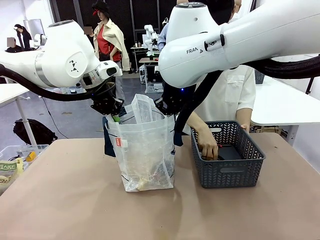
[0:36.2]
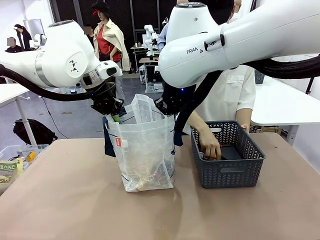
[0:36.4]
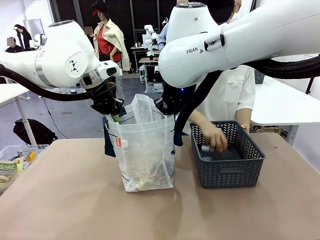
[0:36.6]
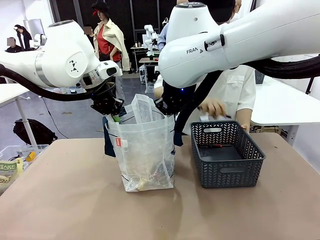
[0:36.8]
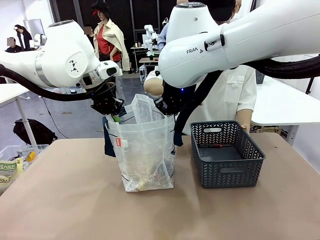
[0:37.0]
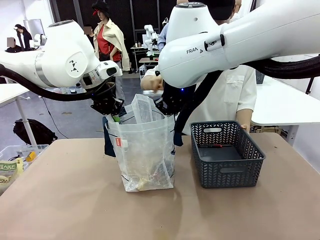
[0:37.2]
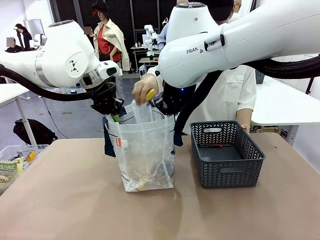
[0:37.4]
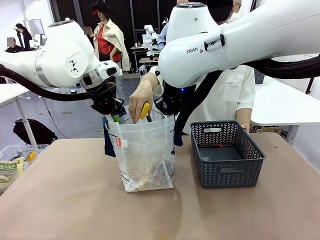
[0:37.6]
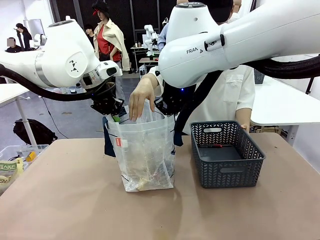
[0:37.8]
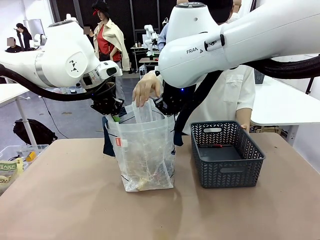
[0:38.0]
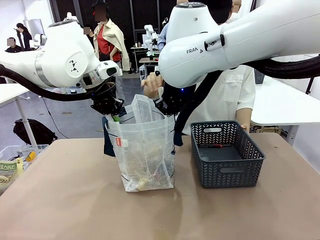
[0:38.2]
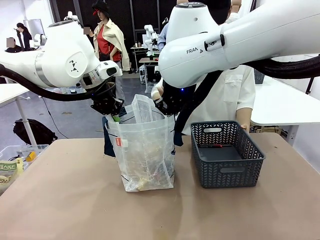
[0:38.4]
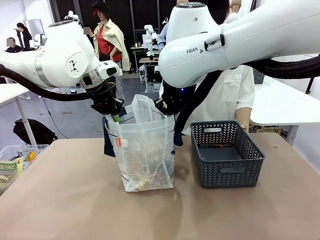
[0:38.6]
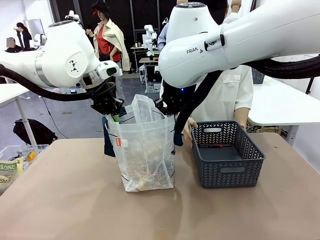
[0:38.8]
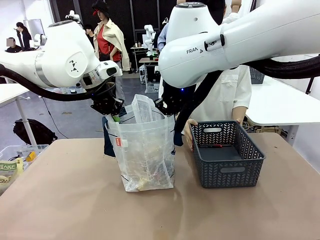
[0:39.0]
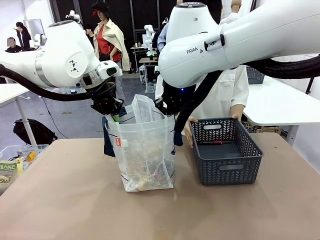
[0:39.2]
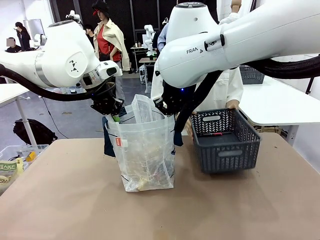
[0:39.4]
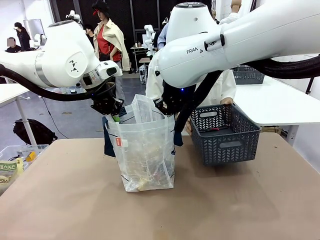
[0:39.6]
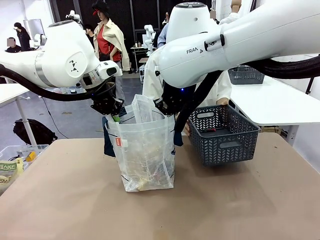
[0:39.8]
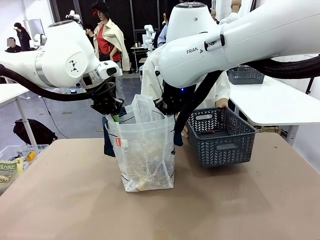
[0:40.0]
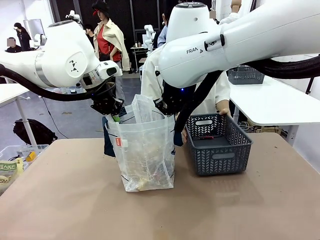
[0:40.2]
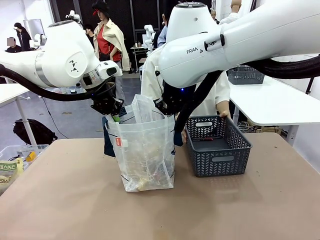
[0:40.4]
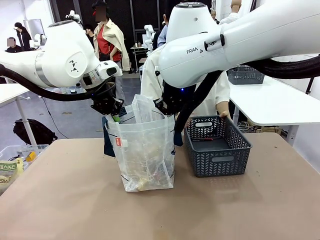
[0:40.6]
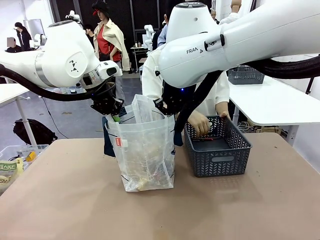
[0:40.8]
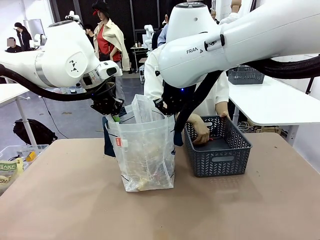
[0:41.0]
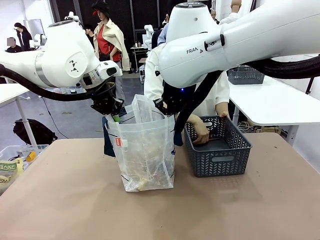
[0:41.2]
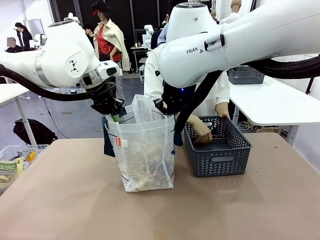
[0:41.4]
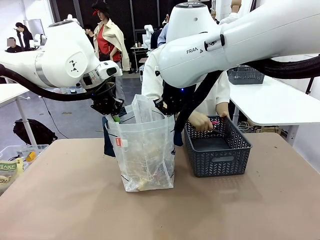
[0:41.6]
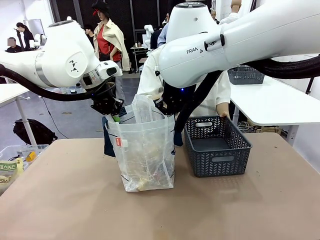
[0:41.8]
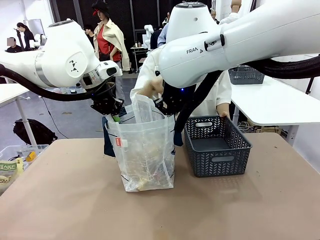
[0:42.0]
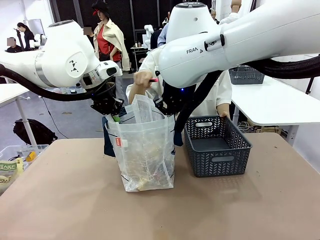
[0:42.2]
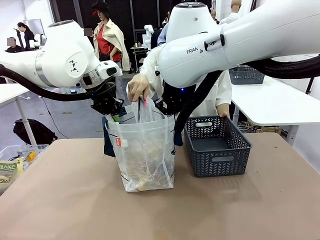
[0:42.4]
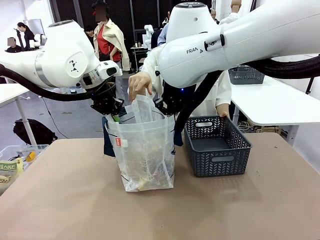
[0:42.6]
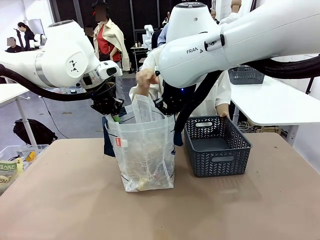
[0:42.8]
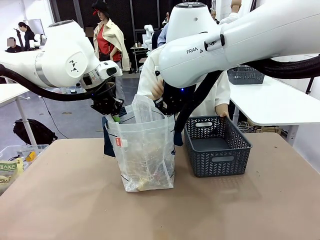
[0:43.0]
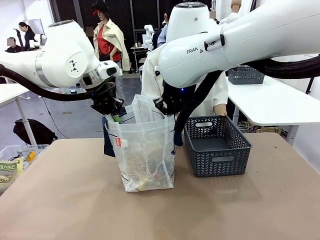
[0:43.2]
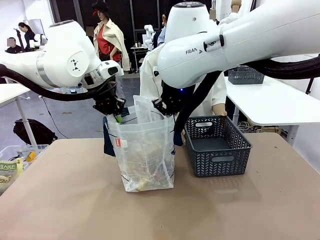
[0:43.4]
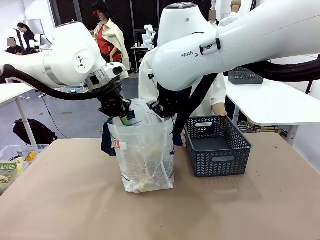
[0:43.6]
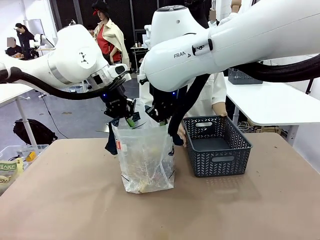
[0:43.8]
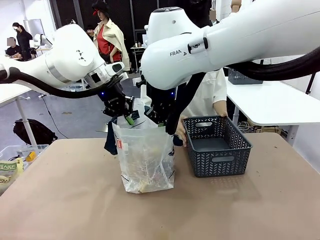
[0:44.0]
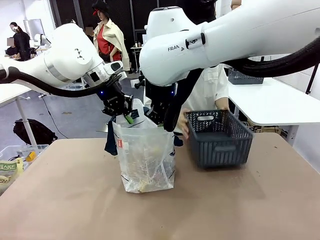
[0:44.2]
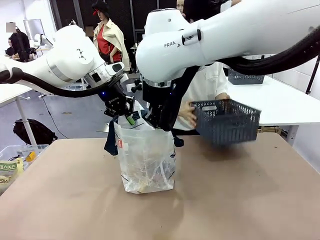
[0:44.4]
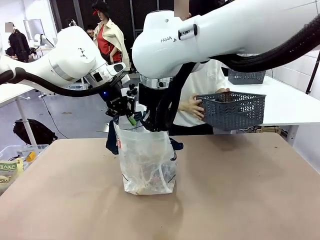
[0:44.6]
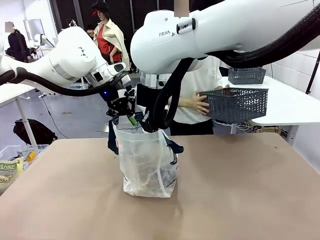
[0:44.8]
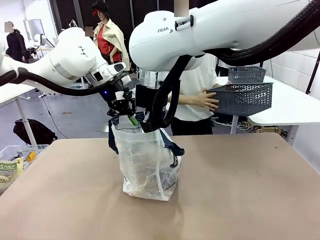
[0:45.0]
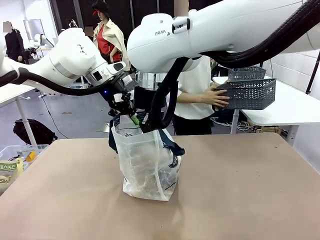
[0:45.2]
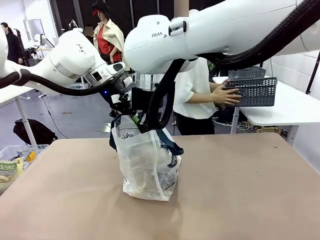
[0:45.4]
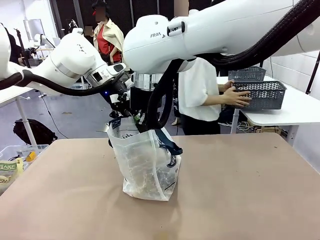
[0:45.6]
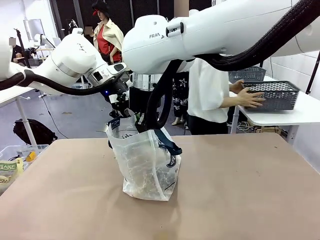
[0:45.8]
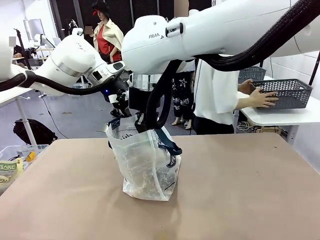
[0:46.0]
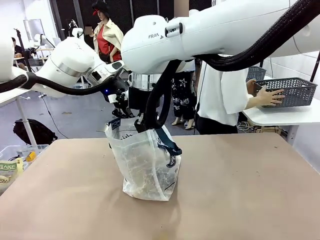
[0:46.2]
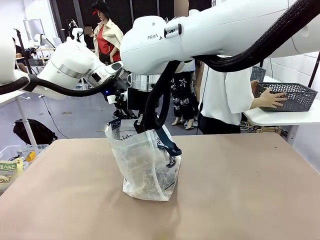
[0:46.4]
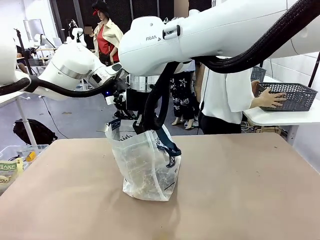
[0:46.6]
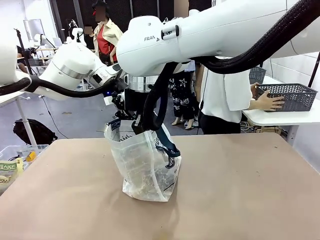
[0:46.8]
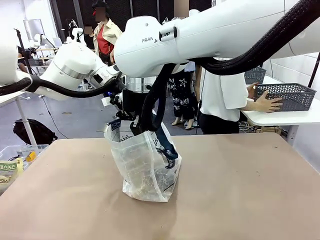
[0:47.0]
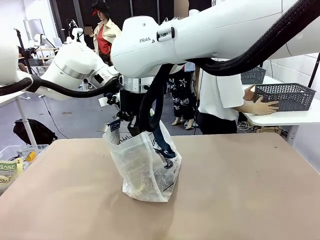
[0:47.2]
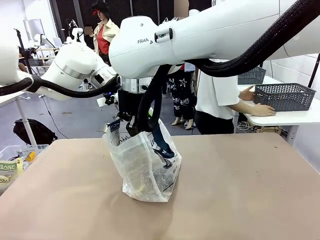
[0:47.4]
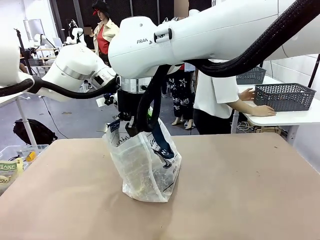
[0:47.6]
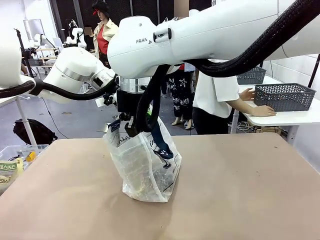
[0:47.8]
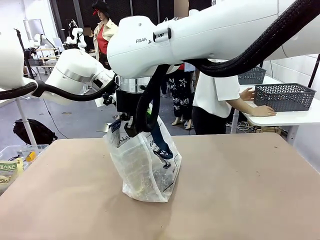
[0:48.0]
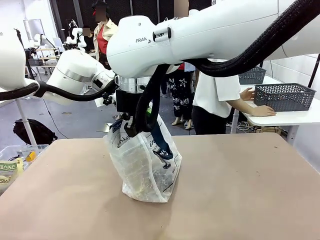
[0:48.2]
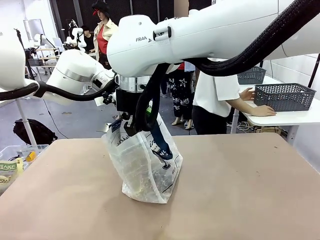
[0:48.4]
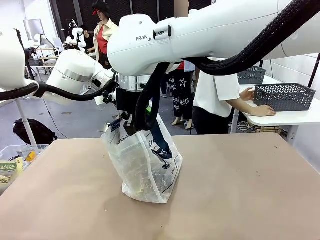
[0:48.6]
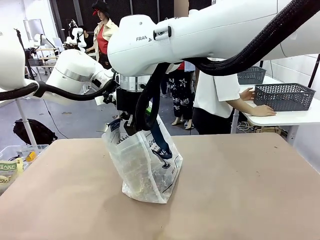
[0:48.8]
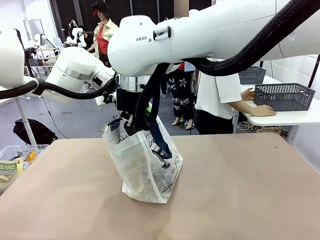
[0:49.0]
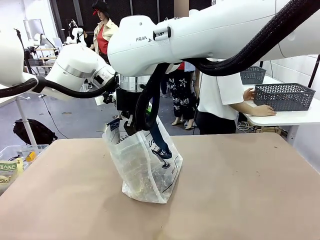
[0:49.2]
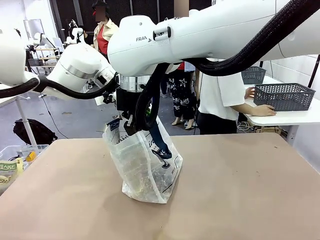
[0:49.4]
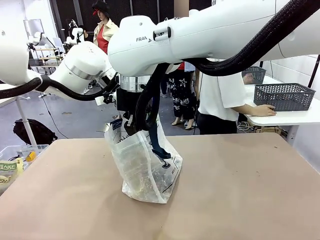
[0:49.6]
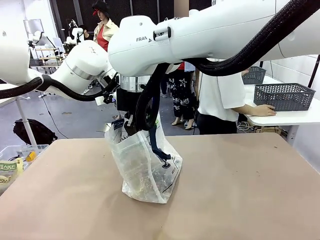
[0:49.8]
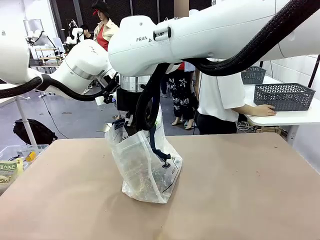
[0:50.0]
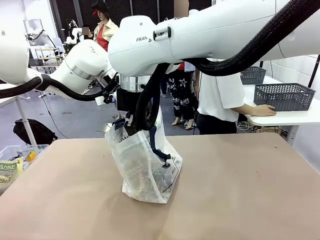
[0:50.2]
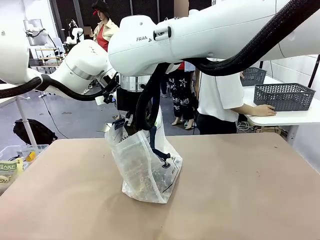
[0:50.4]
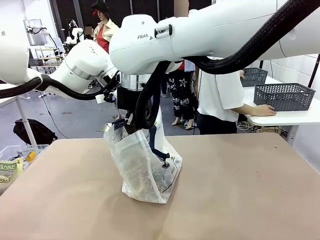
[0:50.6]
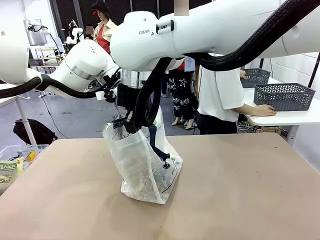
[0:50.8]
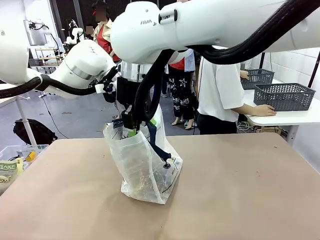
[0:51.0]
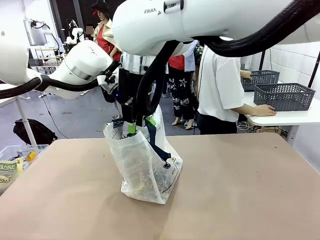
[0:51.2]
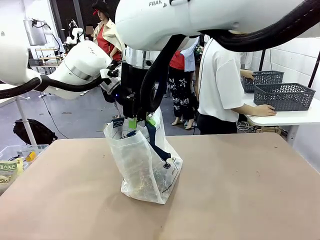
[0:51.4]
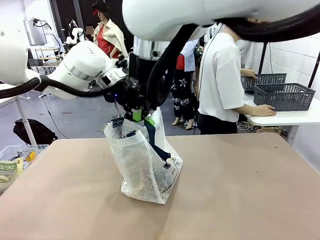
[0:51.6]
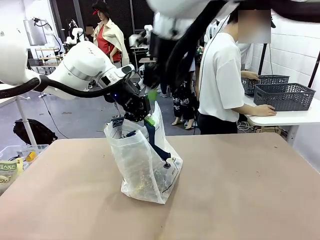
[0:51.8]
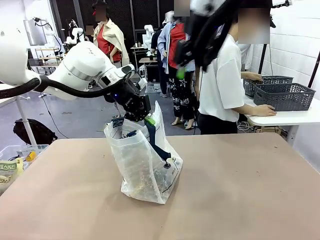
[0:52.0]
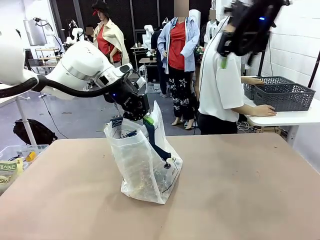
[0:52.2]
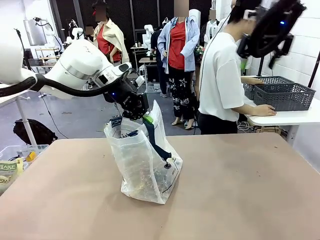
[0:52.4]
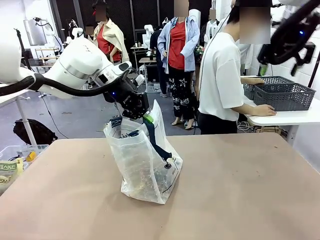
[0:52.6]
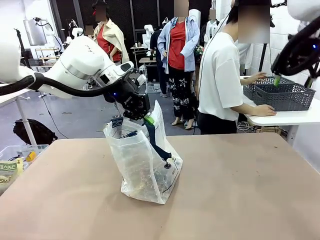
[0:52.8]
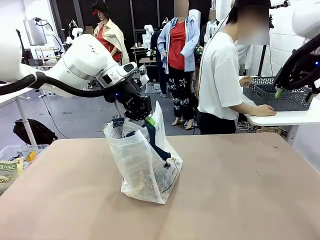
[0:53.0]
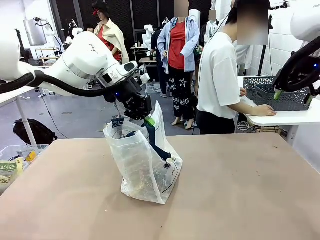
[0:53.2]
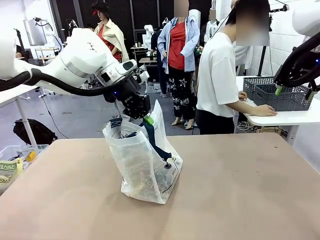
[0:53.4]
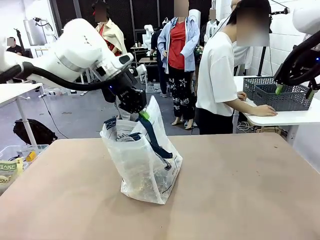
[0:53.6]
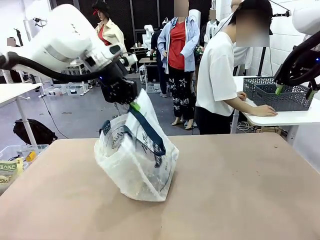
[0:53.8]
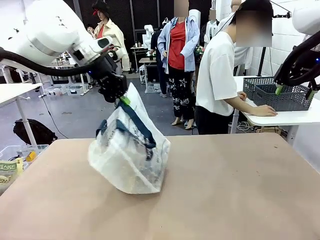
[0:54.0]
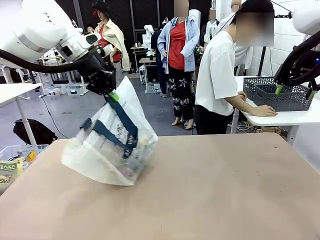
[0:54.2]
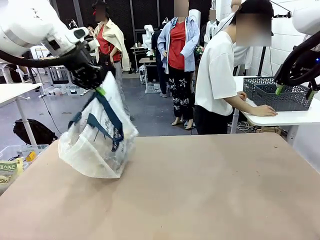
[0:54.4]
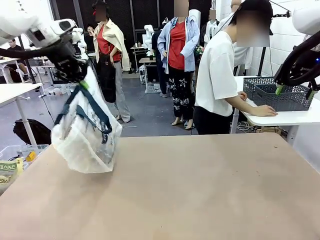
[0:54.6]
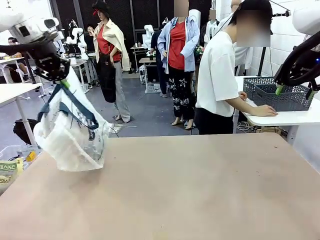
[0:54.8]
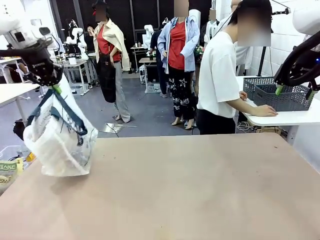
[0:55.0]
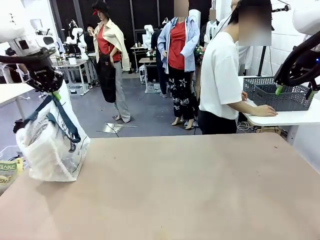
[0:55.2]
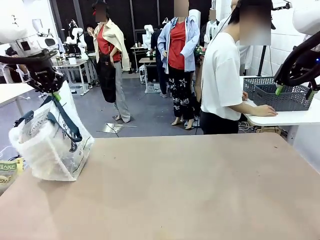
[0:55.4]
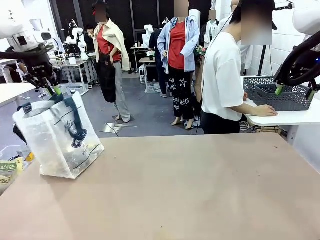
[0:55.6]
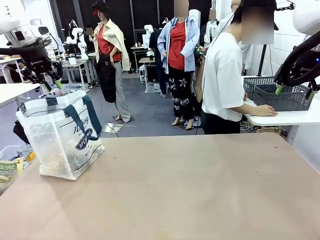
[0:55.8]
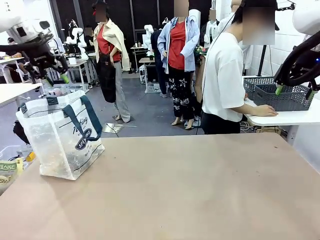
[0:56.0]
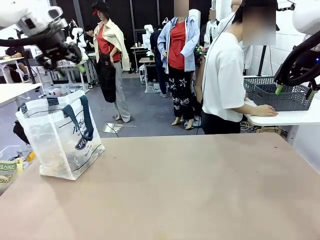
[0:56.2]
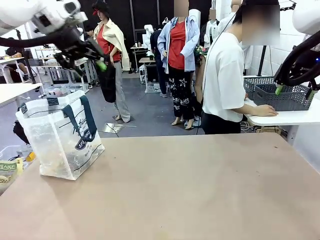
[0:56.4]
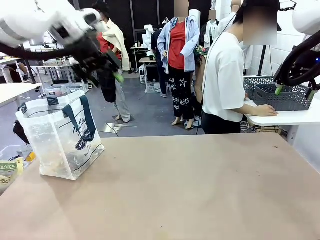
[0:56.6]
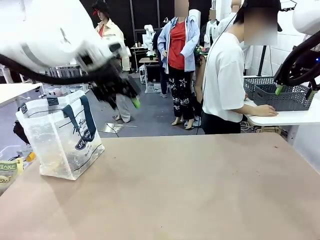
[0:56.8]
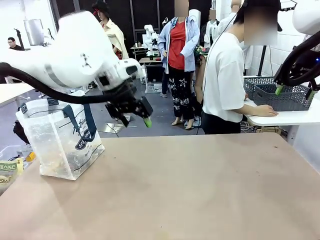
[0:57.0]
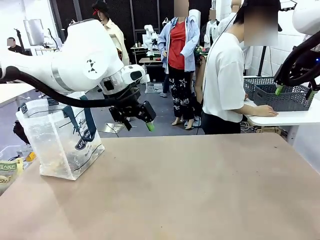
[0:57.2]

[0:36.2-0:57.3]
Task: Transfer purchased items from the store into the shopping bag.
Robot: Move the Reusable shopping bag to the right side of the table.
Person: Move the basket on the left to the middle of the person's table.
